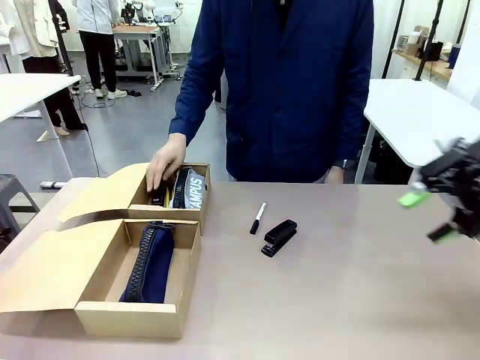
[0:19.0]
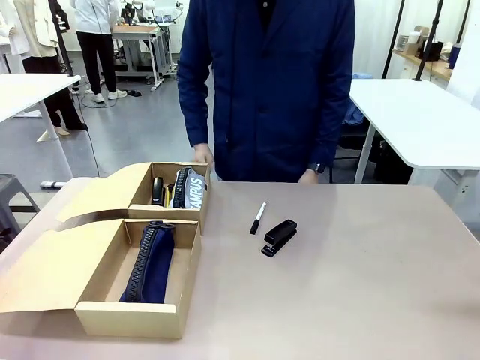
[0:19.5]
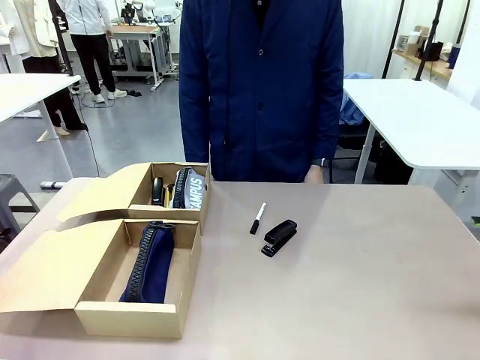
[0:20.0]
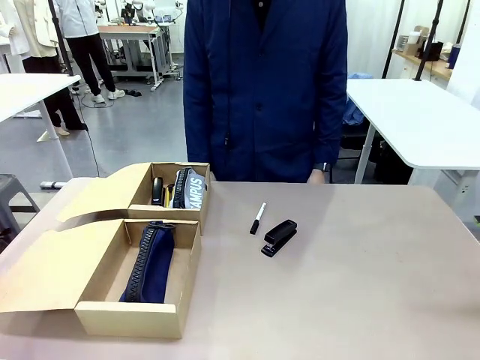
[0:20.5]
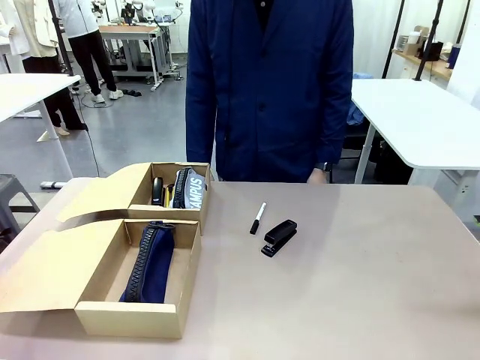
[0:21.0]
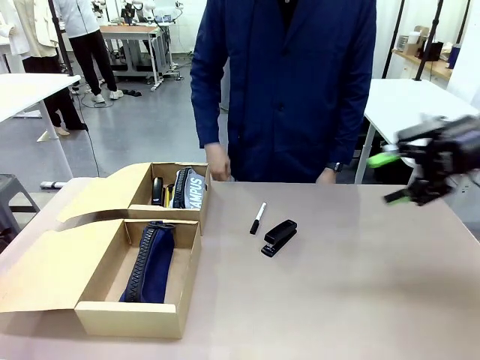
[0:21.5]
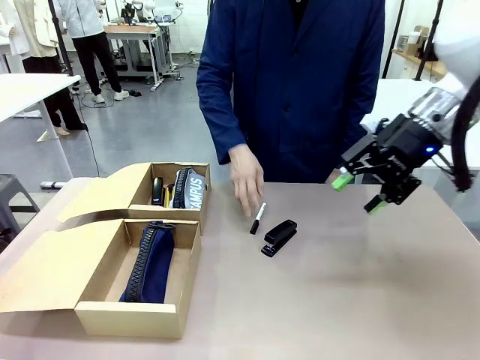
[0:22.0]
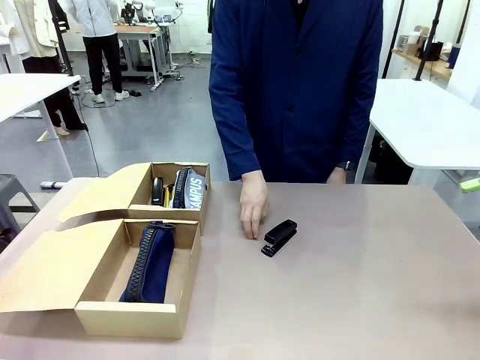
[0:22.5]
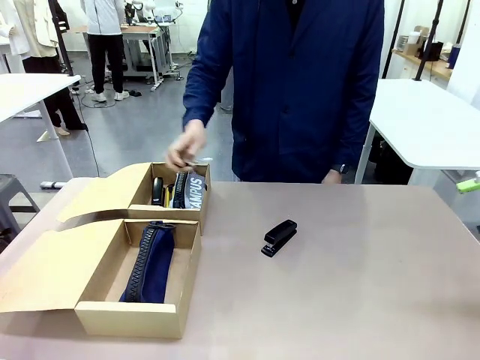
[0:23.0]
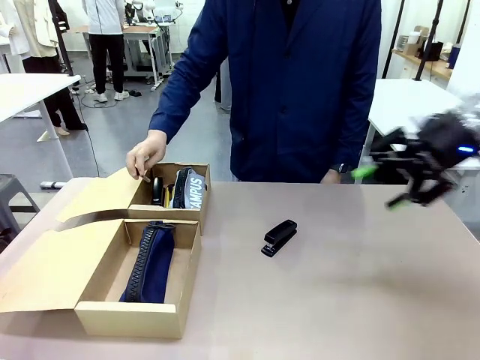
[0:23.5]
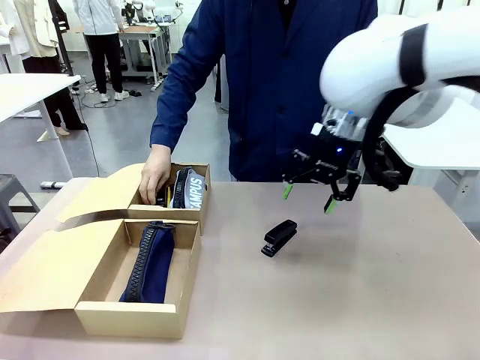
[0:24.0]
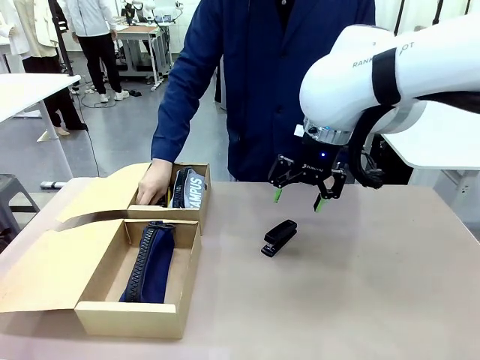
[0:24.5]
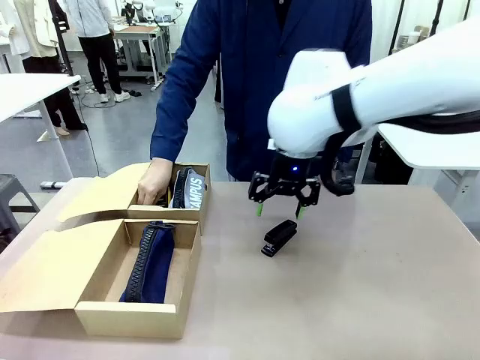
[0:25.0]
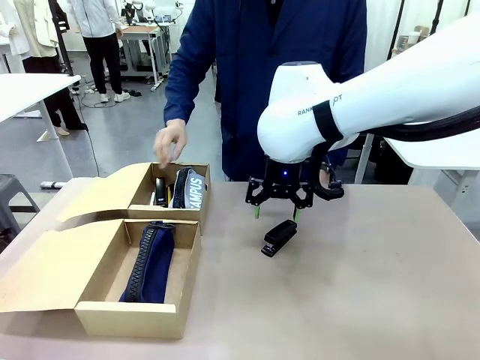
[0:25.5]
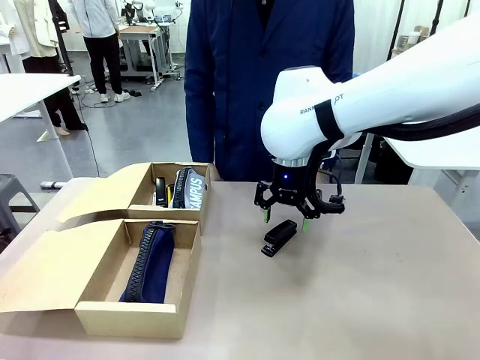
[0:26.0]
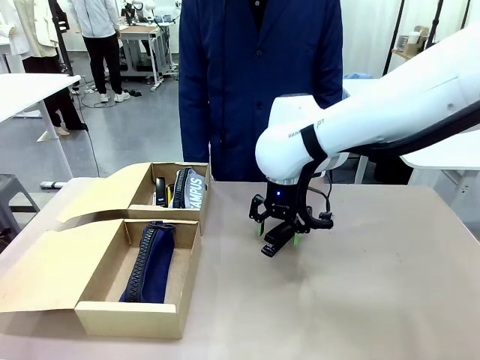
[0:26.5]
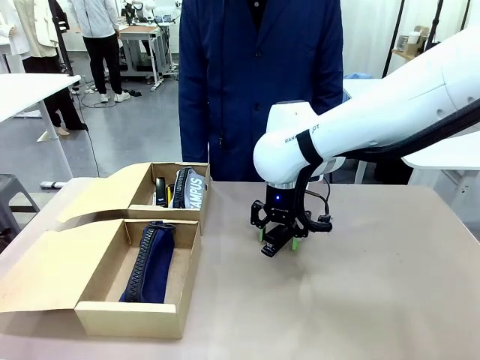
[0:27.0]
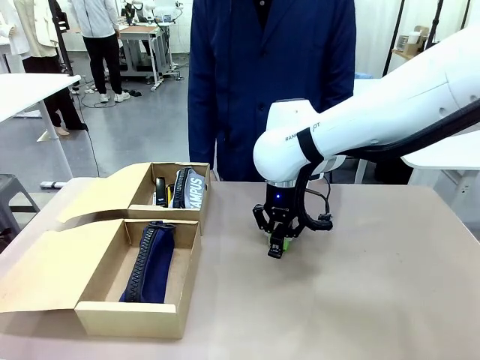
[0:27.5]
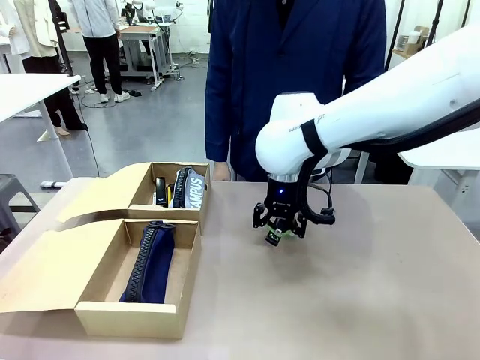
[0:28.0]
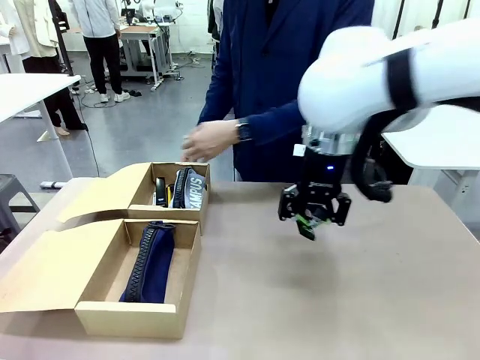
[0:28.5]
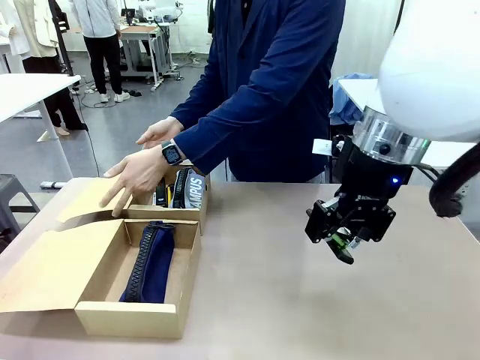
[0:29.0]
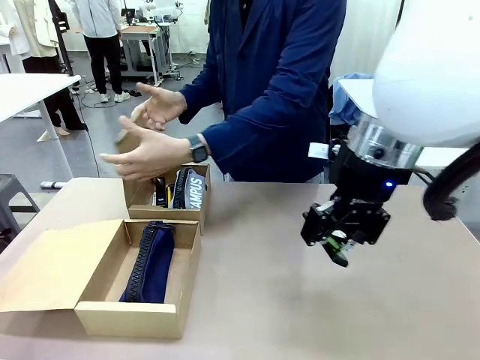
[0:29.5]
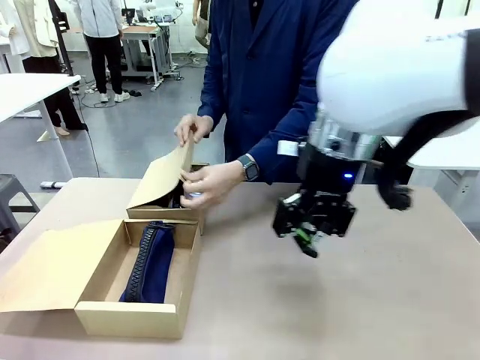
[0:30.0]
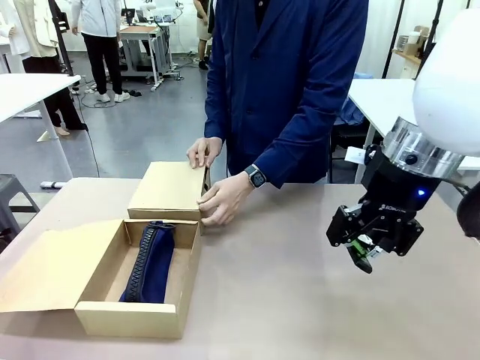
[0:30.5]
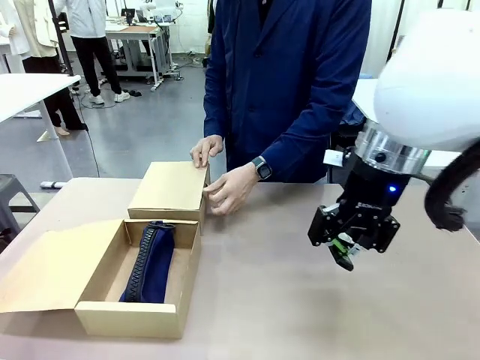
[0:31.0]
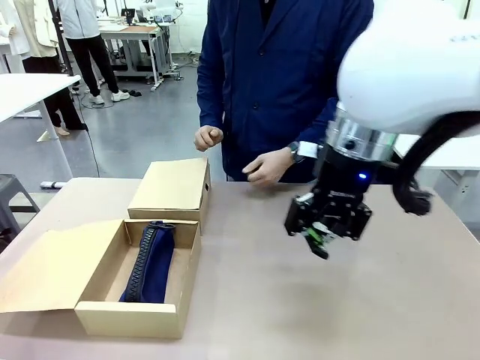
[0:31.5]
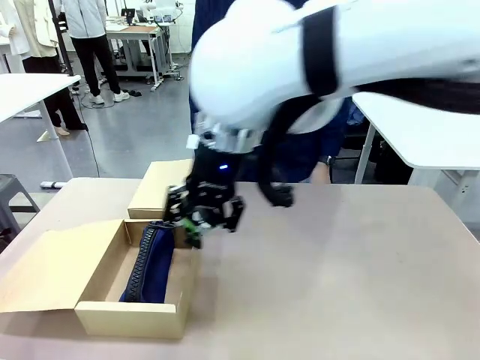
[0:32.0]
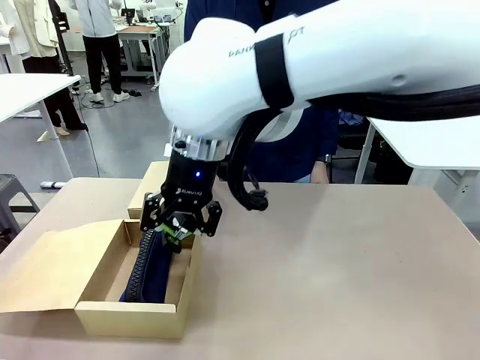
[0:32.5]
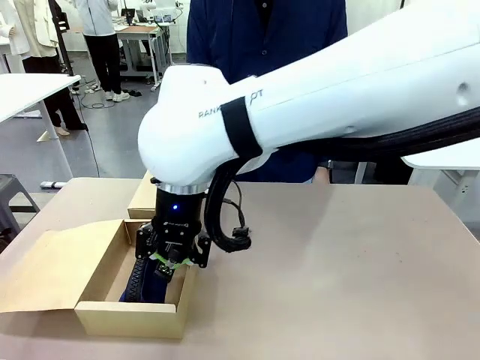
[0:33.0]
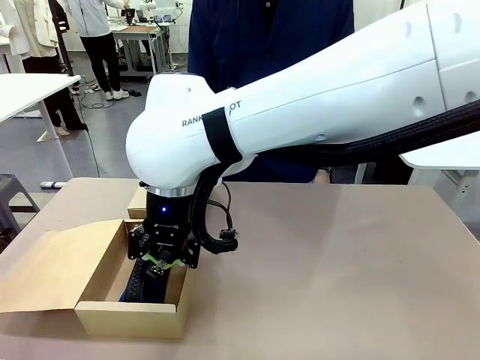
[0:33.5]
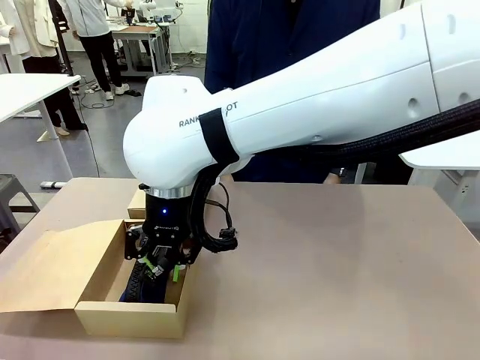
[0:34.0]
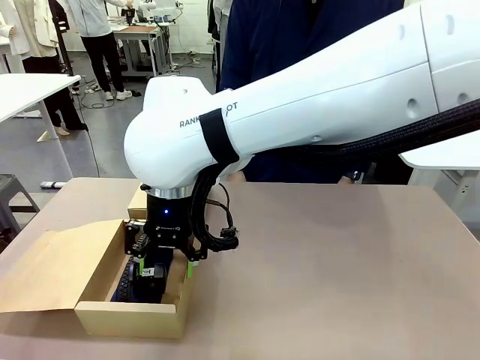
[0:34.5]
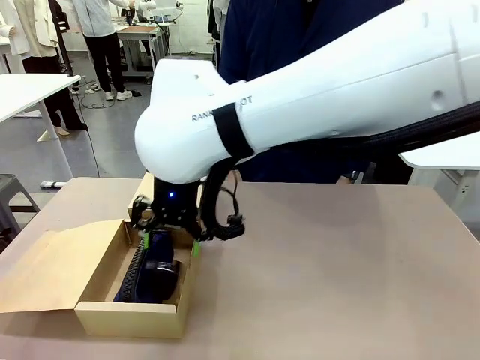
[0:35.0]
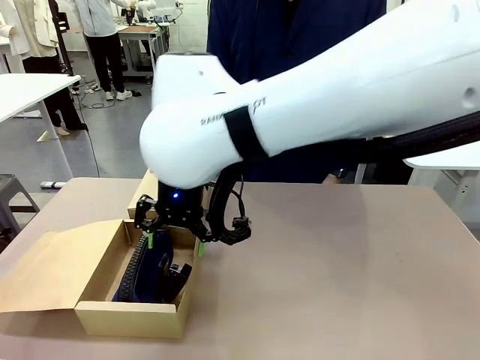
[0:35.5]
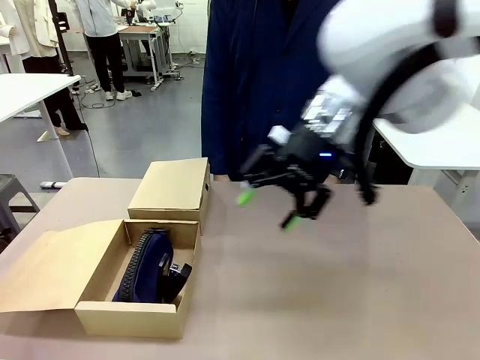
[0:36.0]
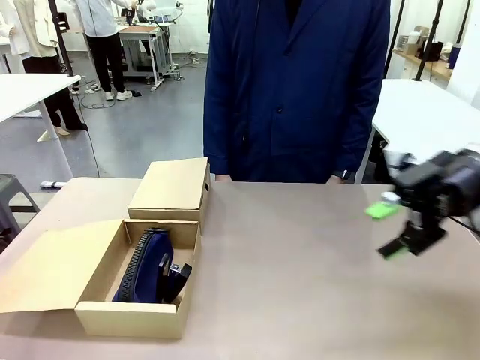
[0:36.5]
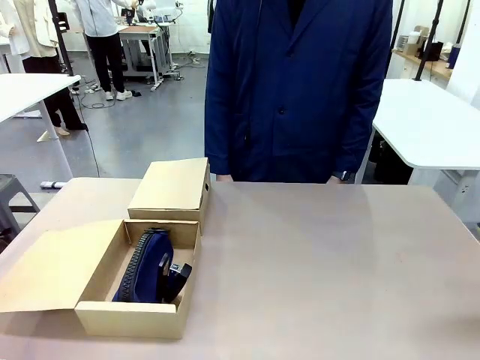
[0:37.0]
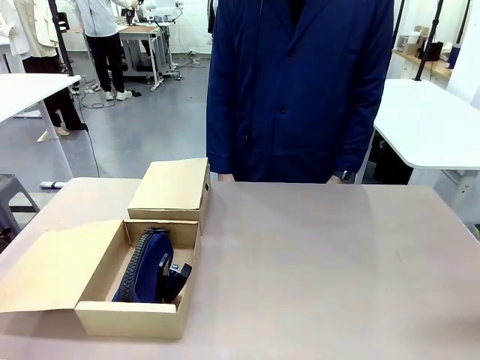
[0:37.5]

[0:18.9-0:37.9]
Task: Place items inside the box.
Robot: Pick up a Pencil pouch or Stapler and place it inside the Mailer Box closest to the robot.

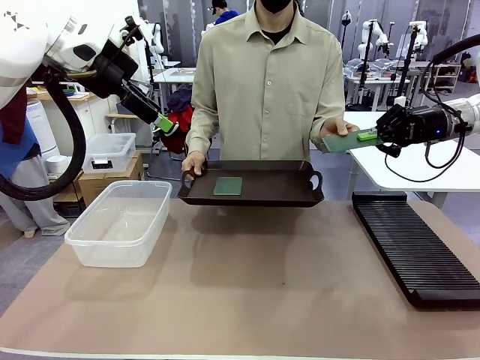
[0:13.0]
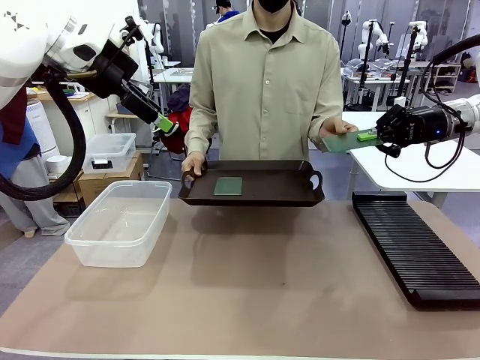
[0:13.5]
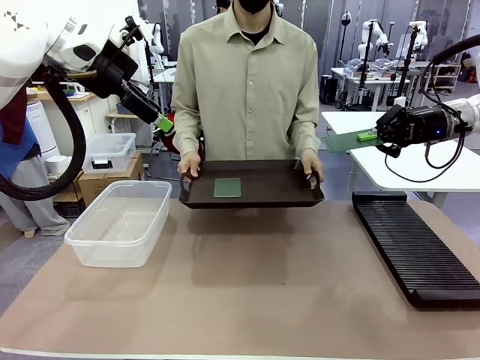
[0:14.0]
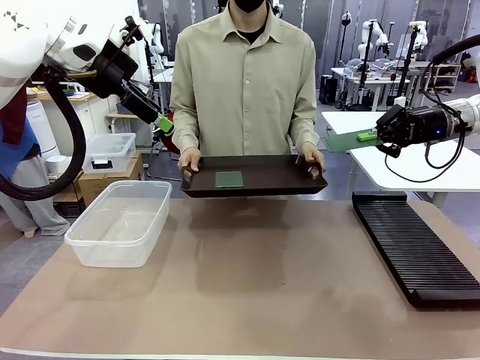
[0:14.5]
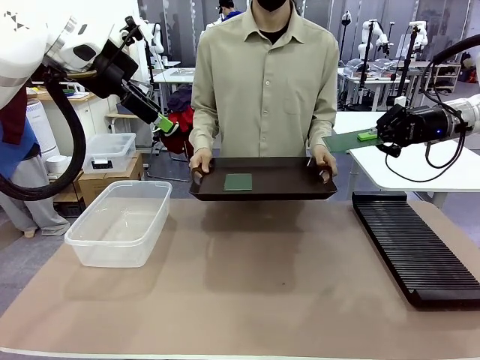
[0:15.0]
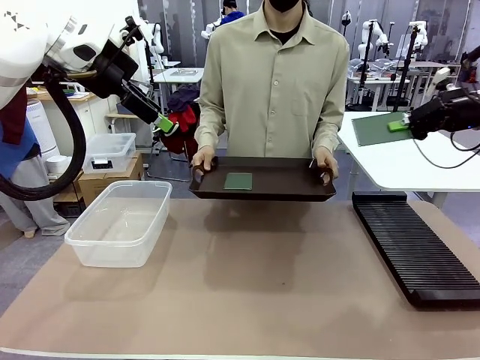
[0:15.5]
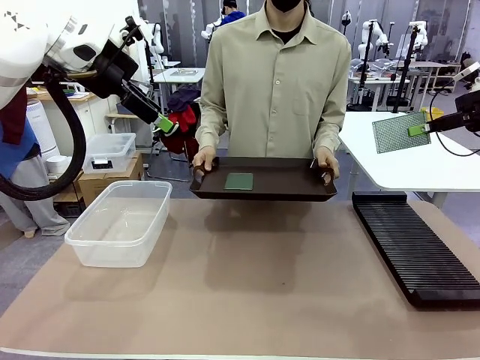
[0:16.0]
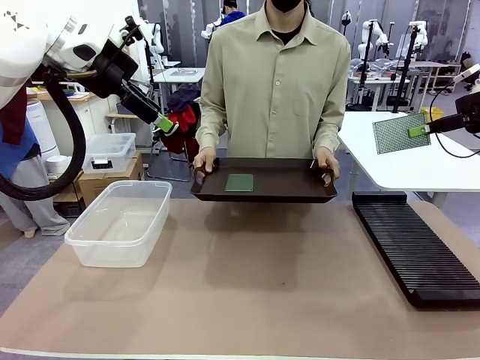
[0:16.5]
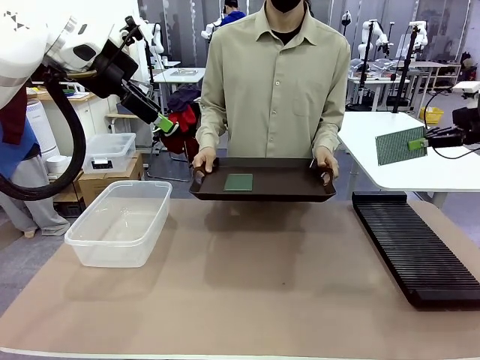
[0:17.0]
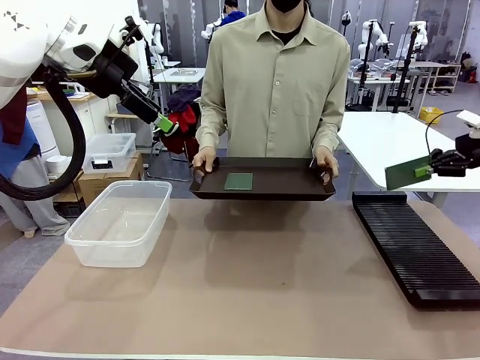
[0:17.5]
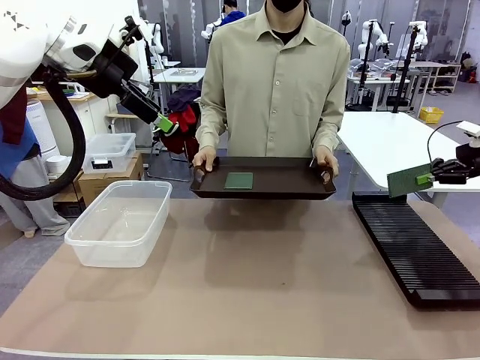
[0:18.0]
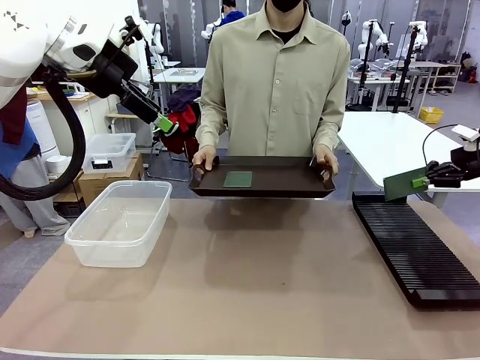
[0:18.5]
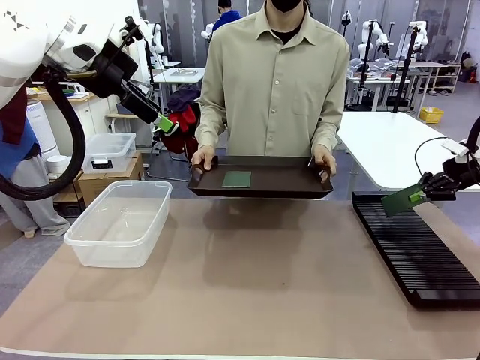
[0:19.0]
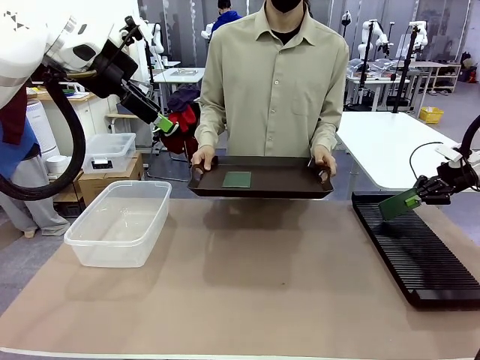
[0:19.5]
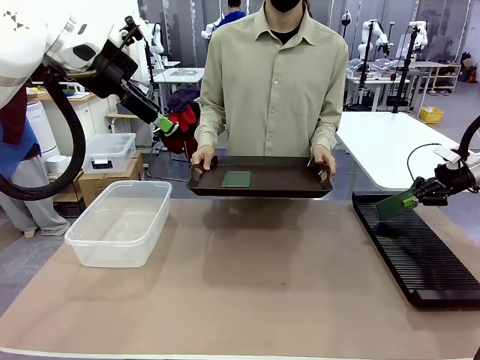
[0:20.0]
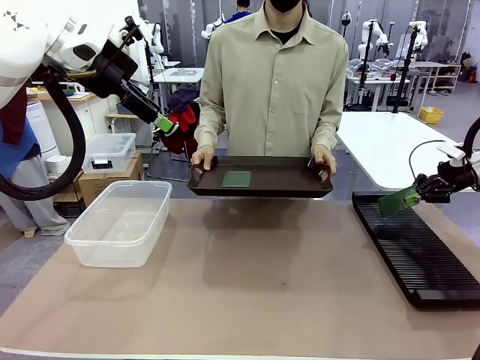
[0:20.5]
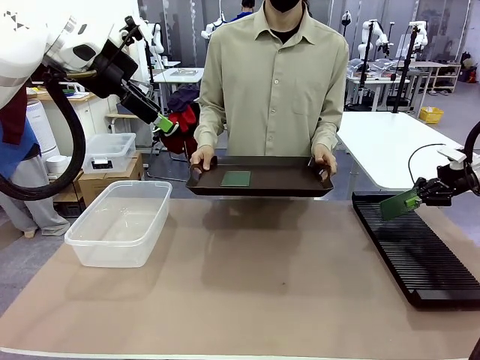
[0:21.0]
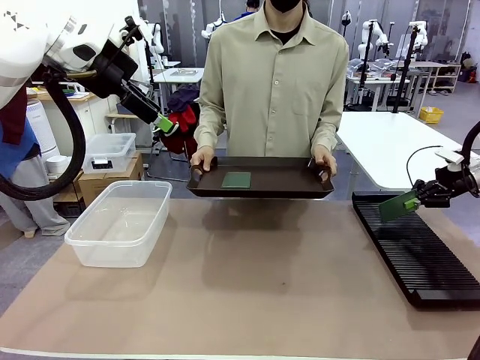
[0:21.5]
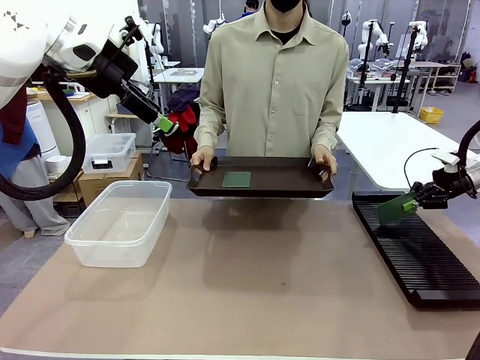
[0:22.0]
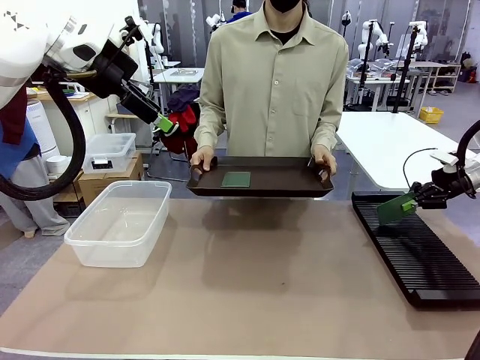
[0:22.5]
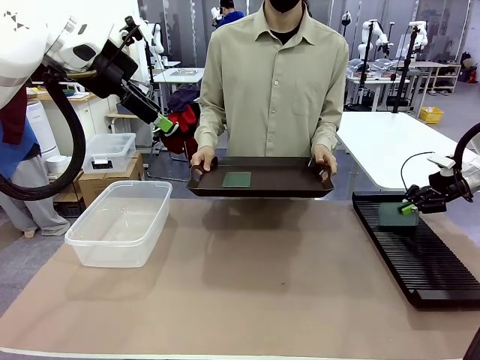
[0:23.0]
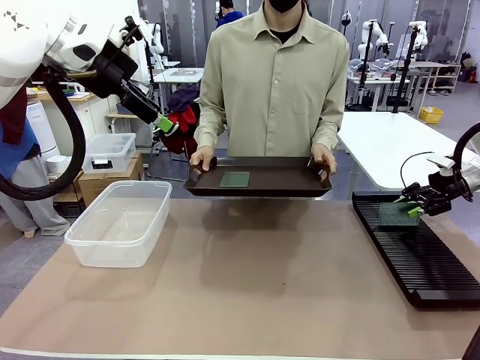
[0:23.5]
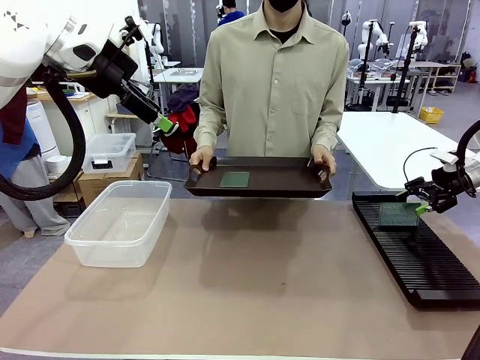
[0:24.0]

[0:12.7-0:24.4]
Task: Sort PCBs into racks and boxes based on the side picked up.
Robot: If the short side of the Blank PCB is picked up, insert it into the PCB Rack ; if the long side is picked up, place it in the Organizing box.
Person: Pick one PCB from the tray and present it to the robot.
